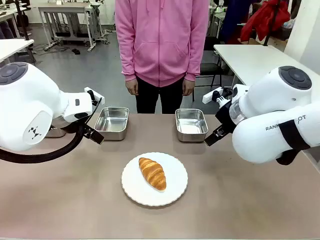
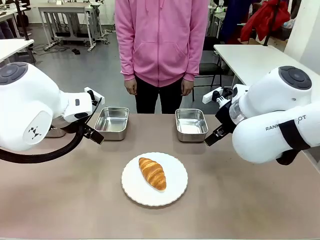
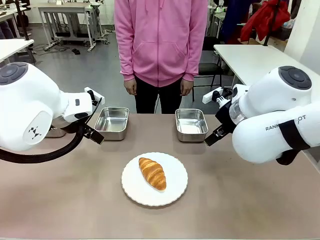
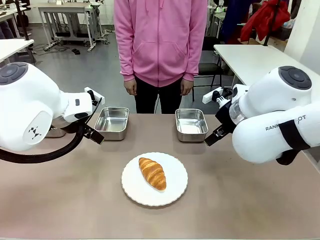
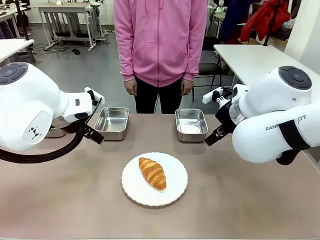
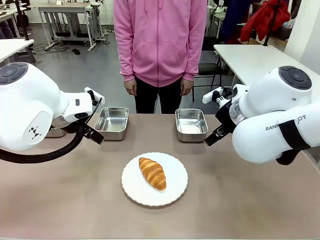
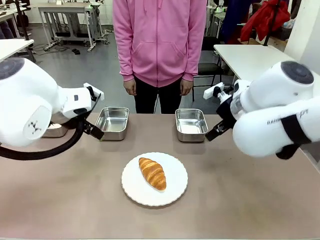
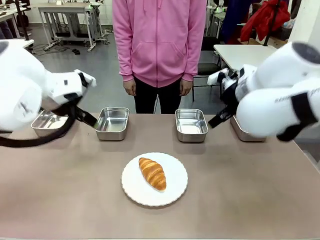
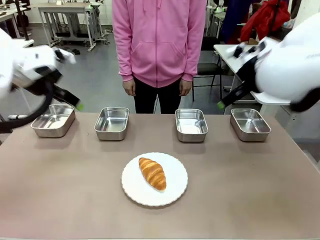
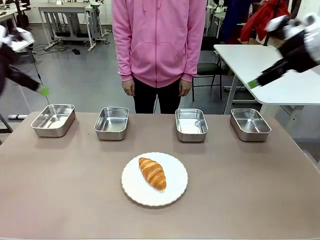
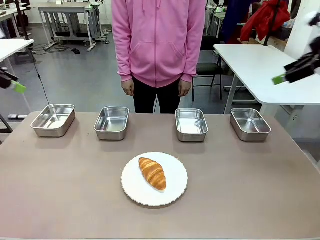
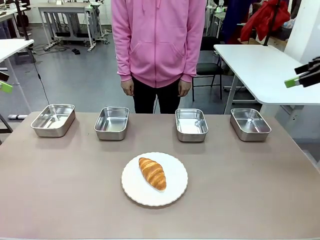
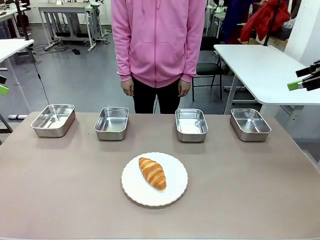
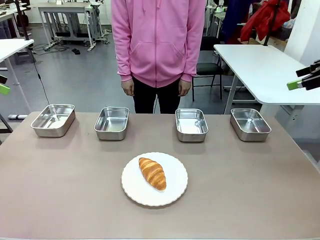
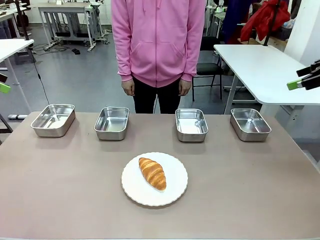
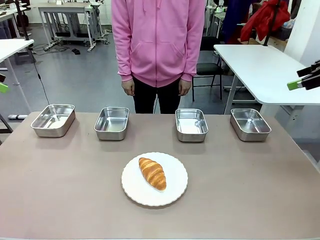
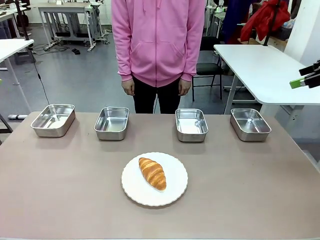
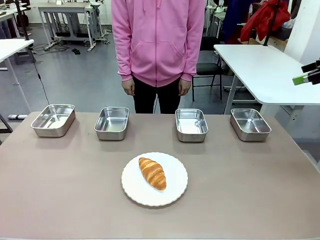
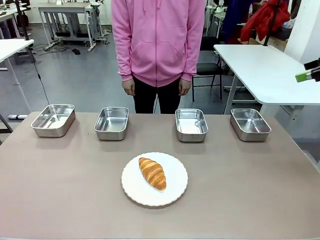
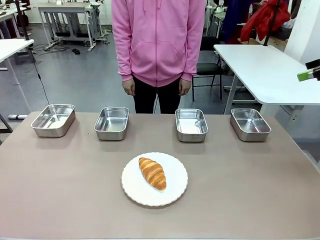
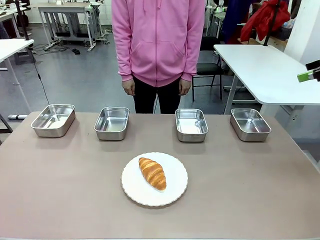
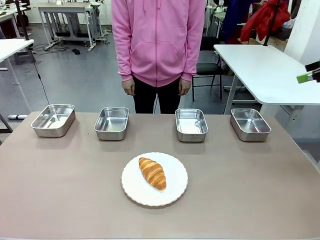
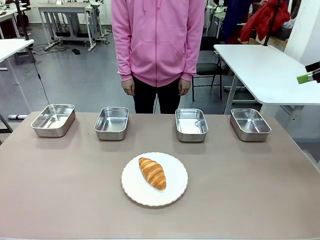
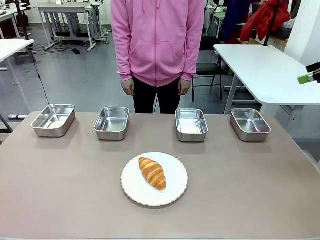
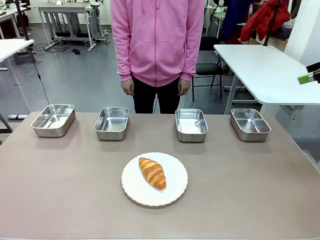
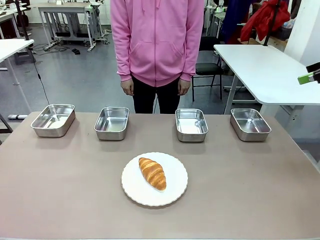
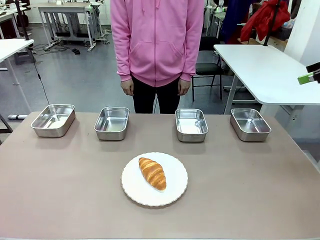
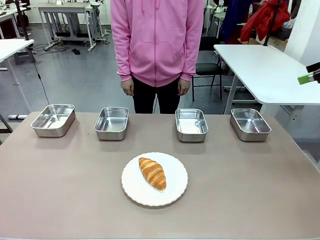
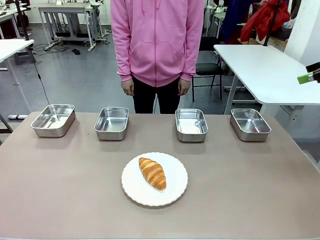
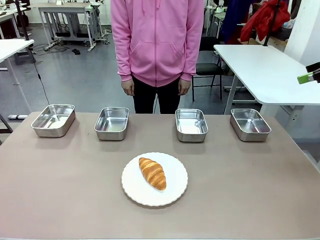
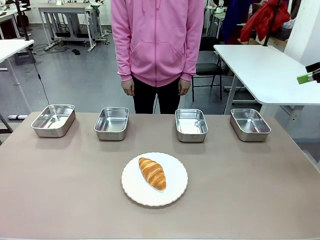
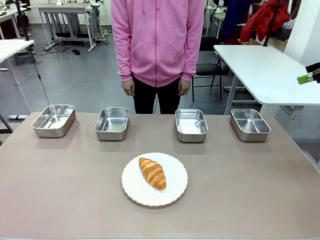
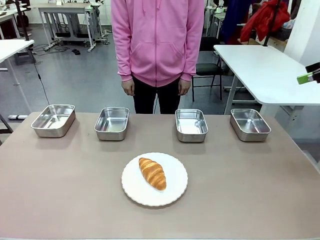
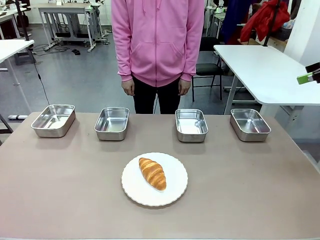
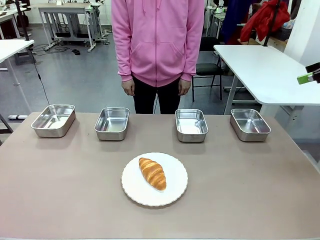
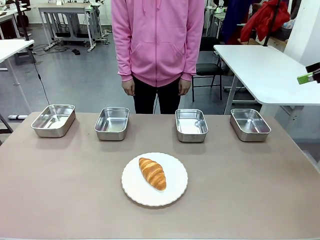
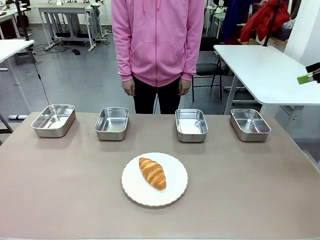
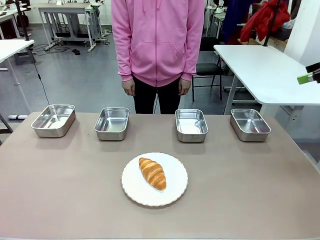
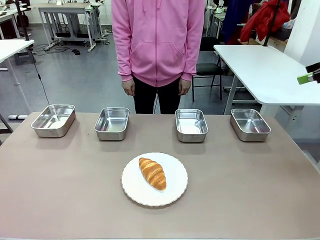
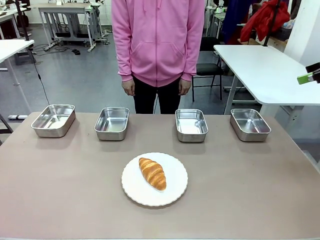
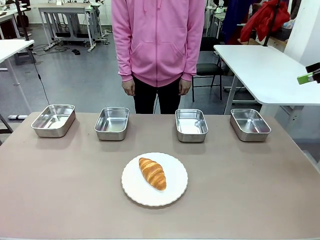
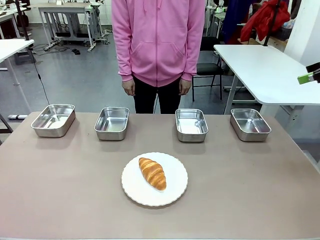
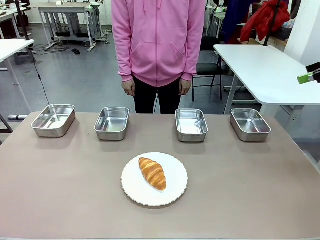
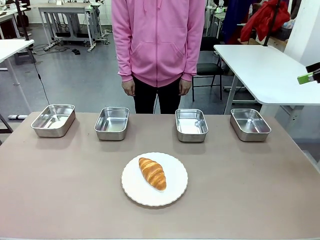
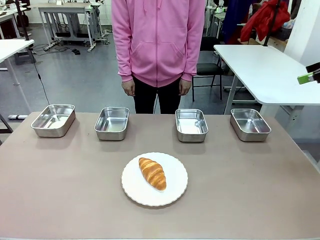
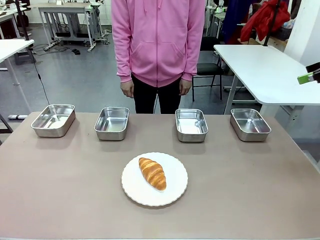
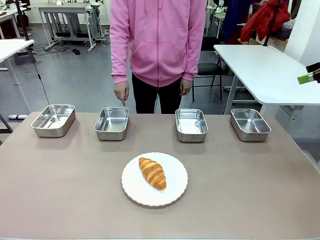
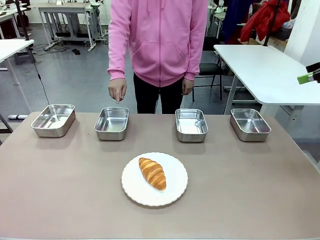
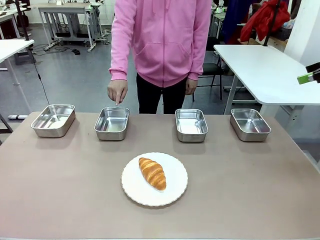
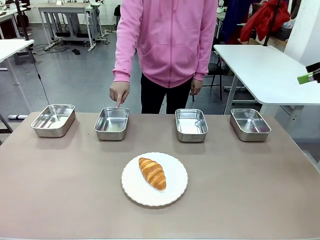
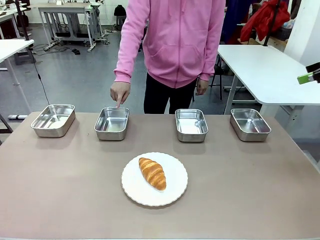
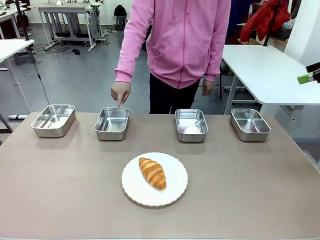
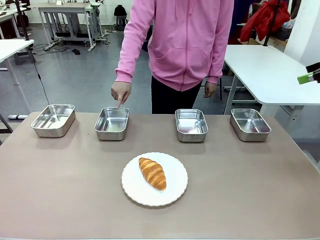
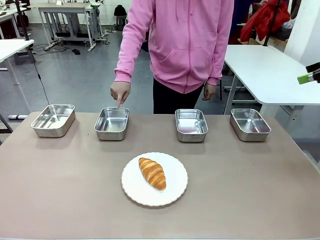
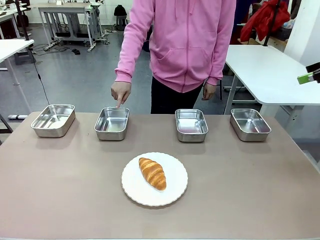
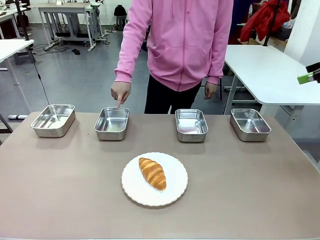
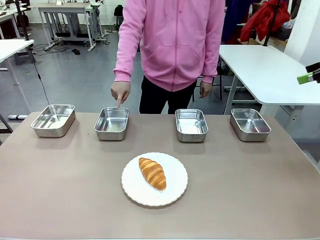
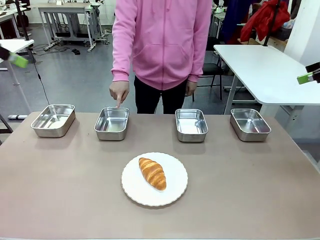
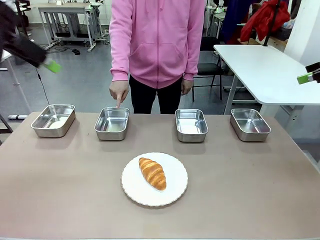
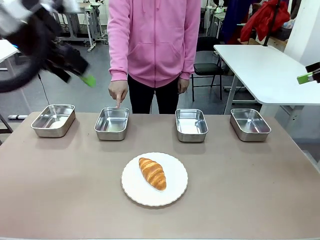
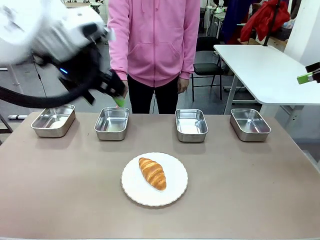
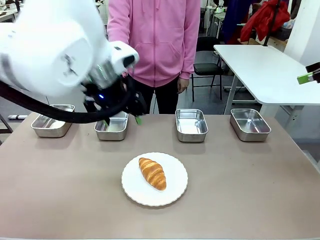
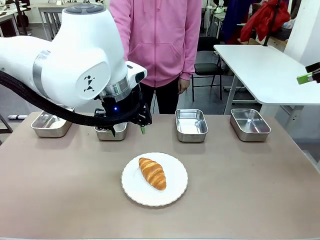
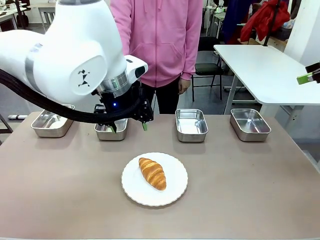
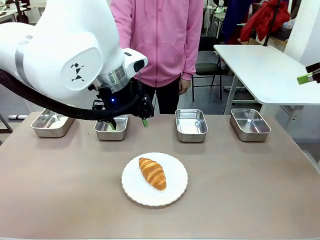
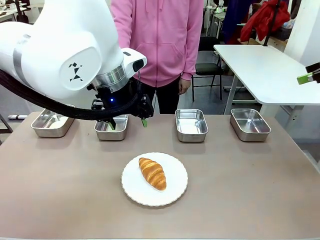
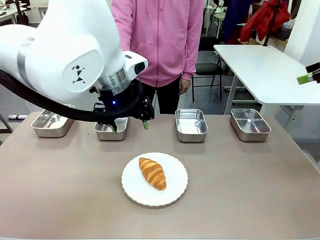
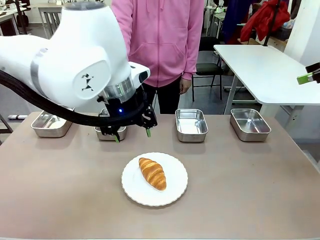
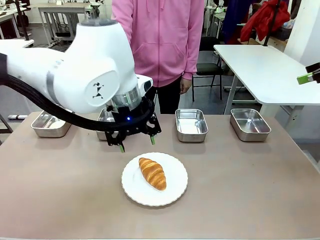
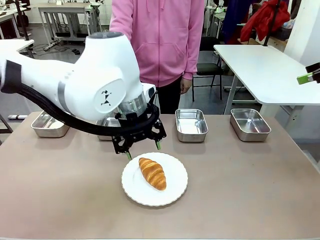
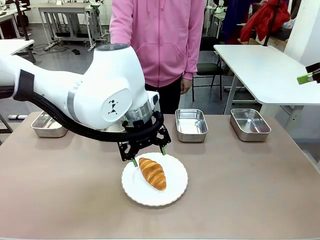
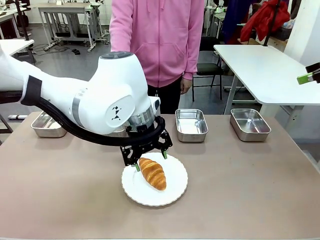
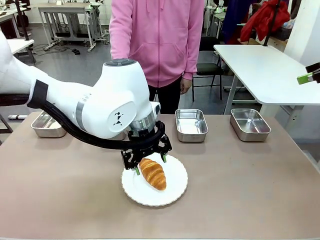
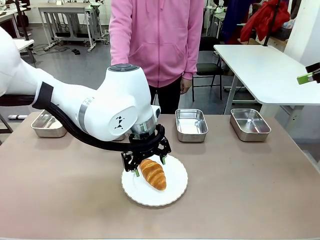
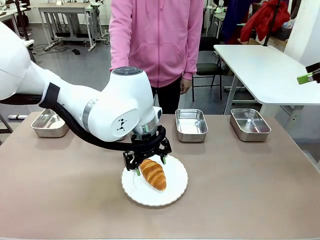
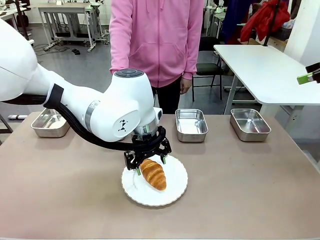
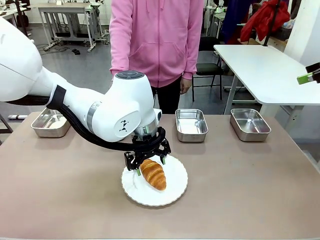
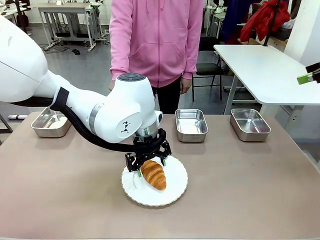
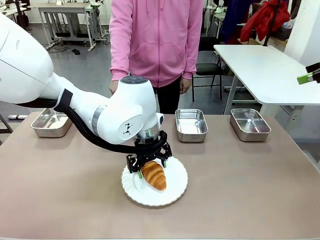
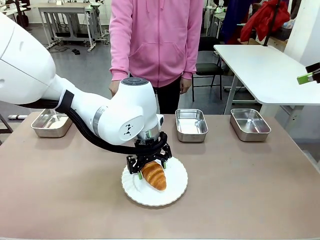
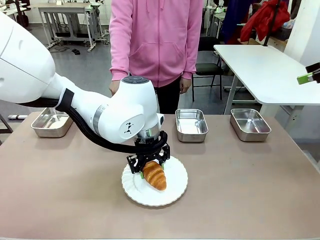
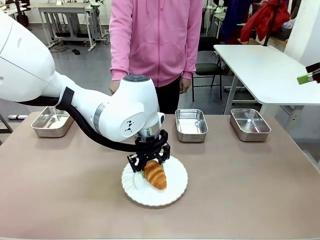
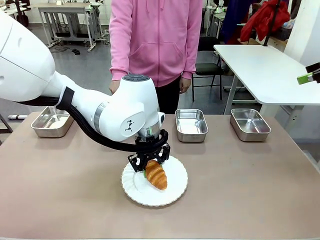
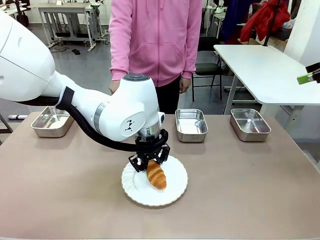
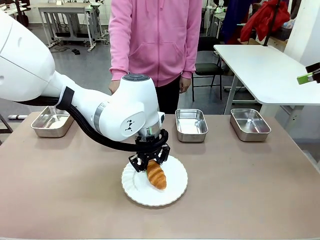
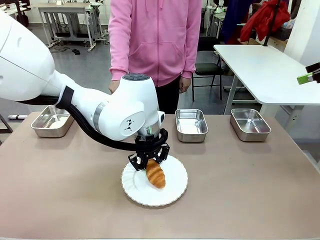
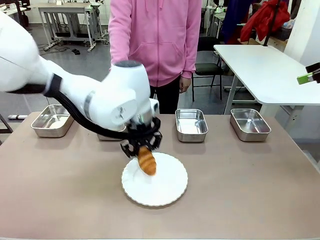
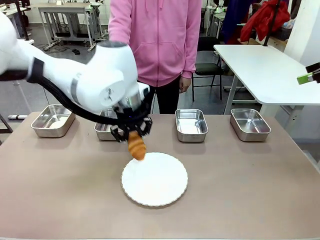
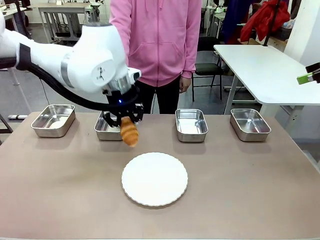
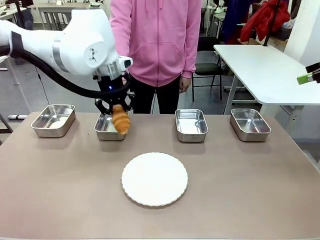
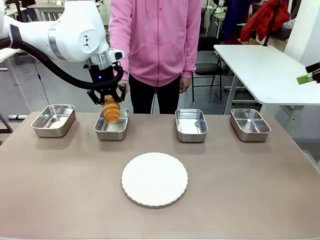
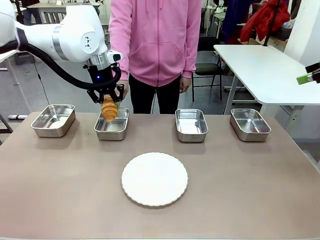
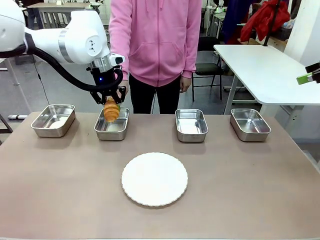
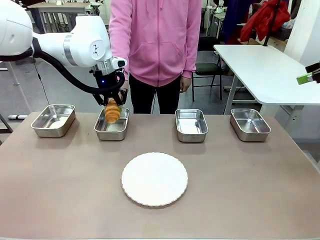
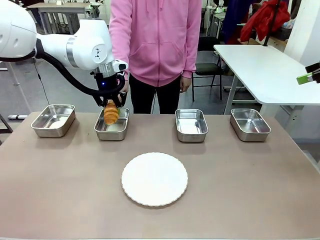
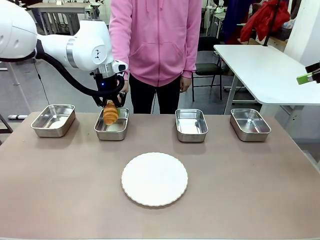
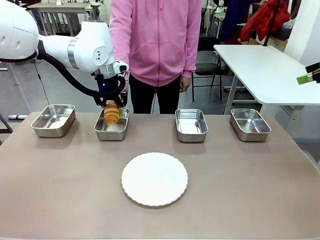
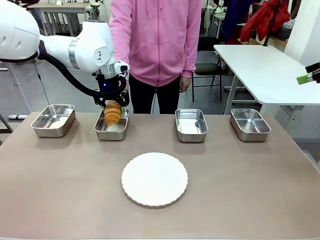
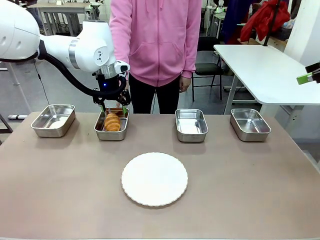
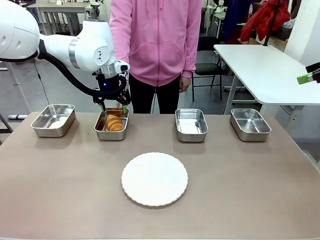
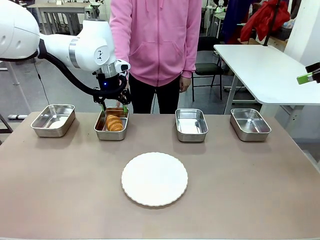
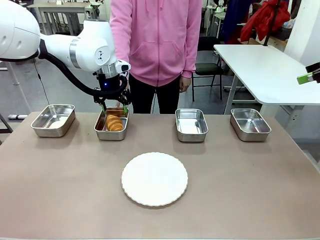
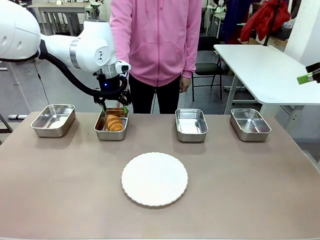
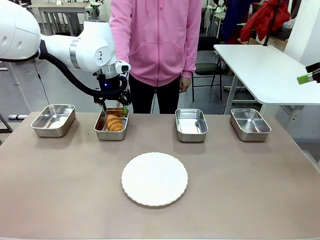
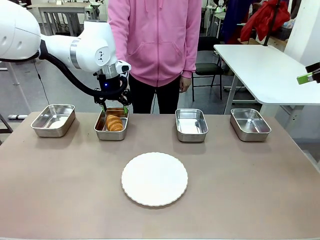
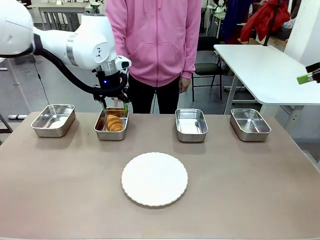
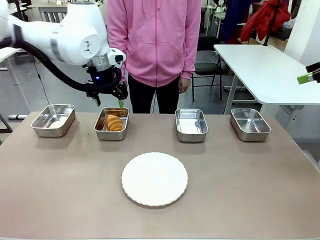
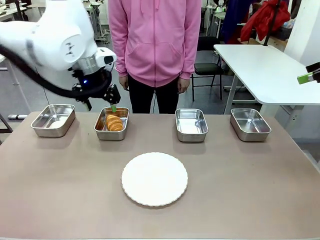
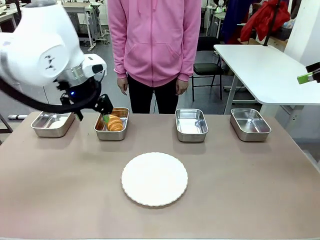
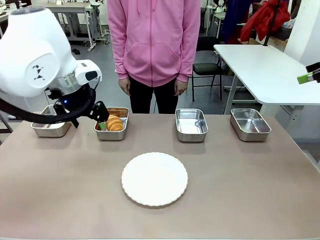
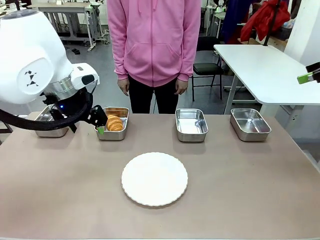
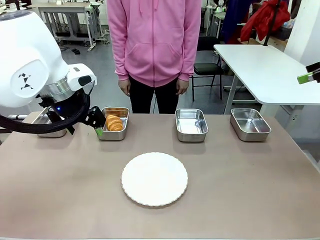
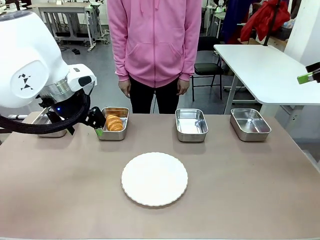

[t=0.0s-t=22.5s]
Task: Place the bread in the container.
Robot: Place the Butter Roll into the Airtight Container indicated by the human.
Person: A person randomly selects and points to an Airtight Container.
